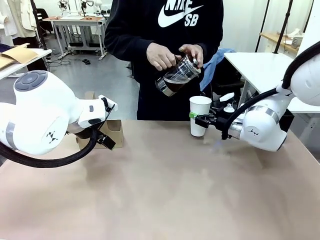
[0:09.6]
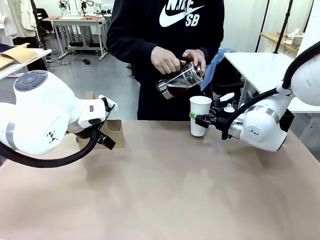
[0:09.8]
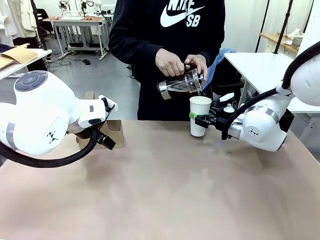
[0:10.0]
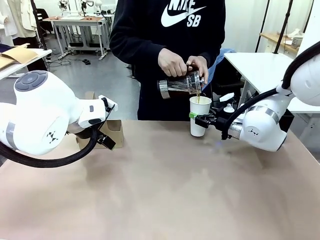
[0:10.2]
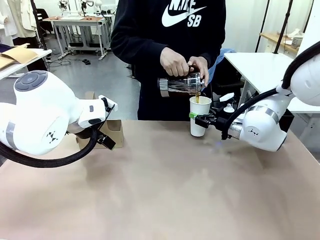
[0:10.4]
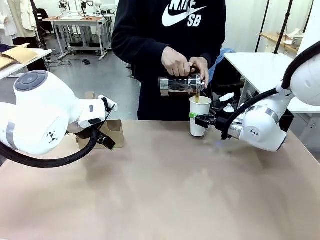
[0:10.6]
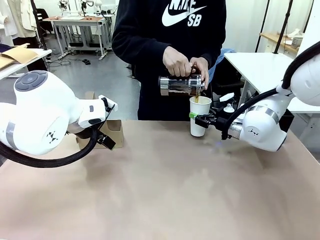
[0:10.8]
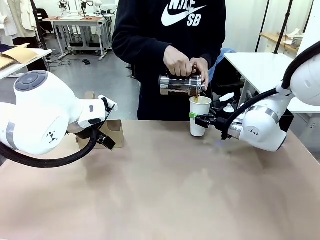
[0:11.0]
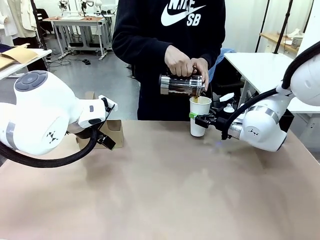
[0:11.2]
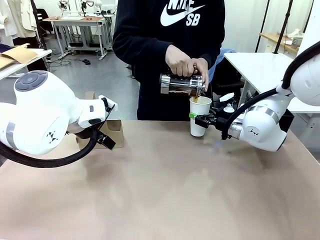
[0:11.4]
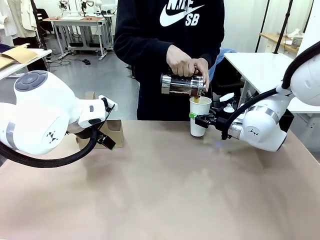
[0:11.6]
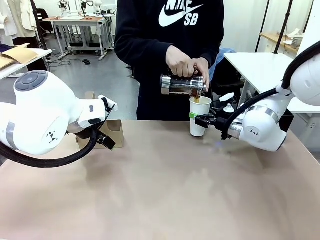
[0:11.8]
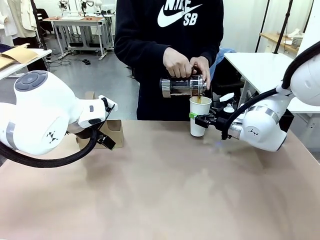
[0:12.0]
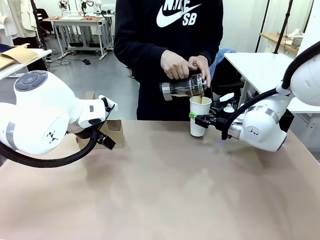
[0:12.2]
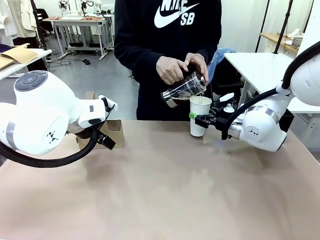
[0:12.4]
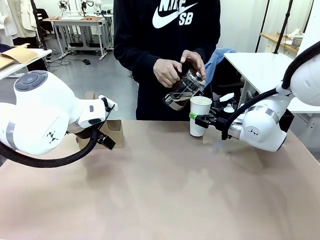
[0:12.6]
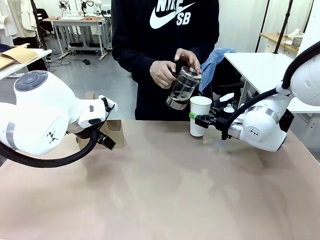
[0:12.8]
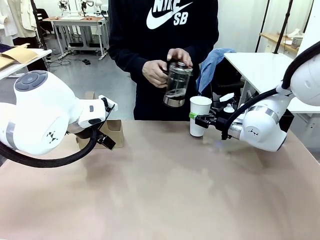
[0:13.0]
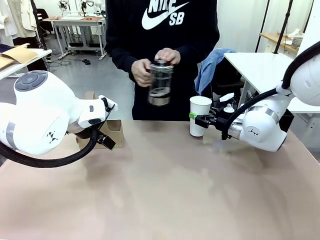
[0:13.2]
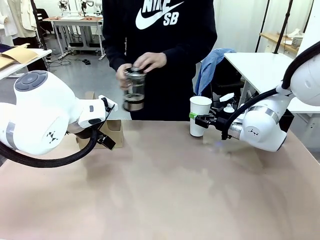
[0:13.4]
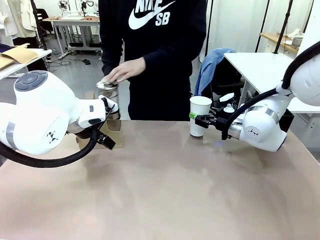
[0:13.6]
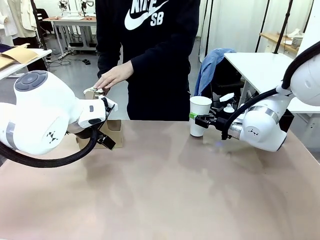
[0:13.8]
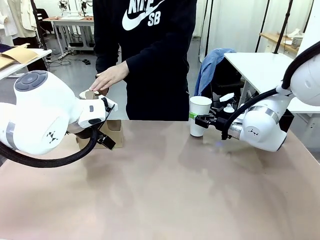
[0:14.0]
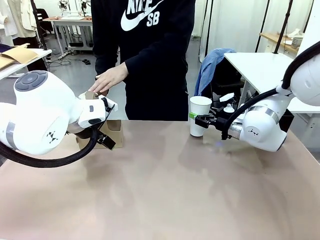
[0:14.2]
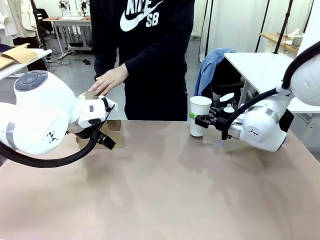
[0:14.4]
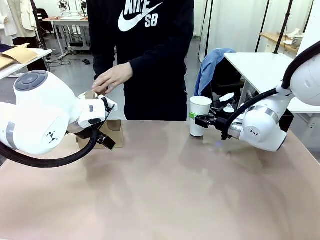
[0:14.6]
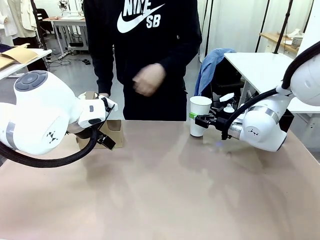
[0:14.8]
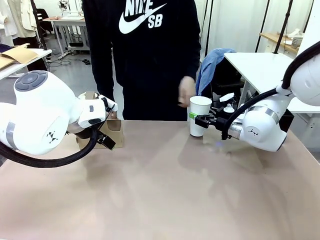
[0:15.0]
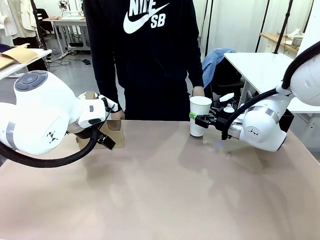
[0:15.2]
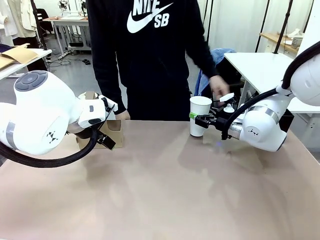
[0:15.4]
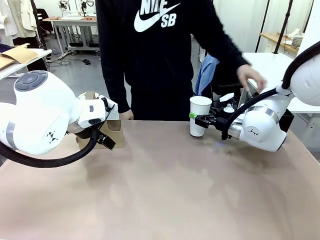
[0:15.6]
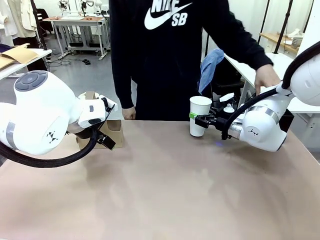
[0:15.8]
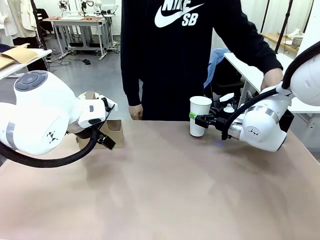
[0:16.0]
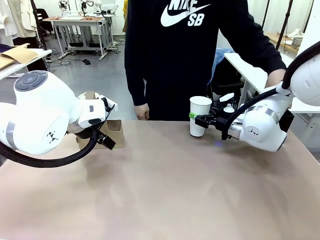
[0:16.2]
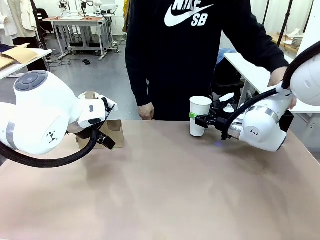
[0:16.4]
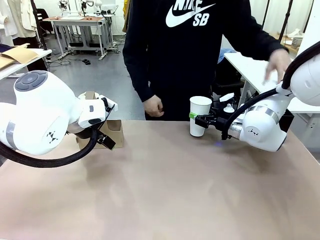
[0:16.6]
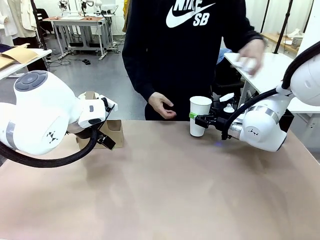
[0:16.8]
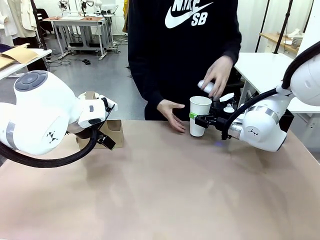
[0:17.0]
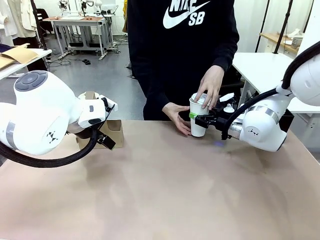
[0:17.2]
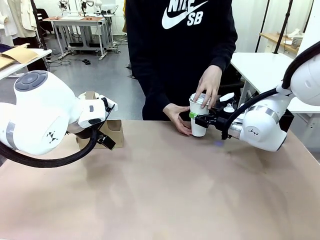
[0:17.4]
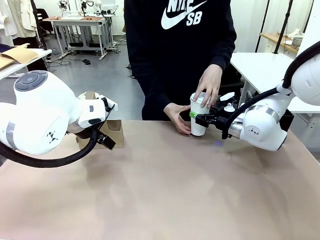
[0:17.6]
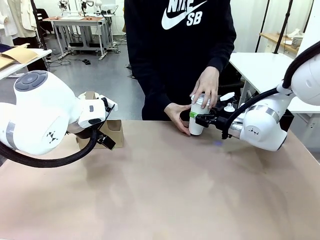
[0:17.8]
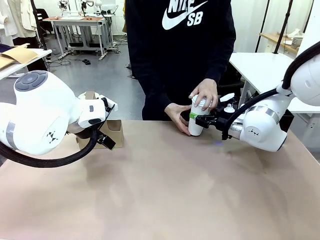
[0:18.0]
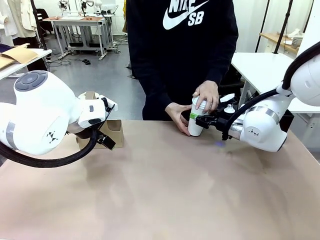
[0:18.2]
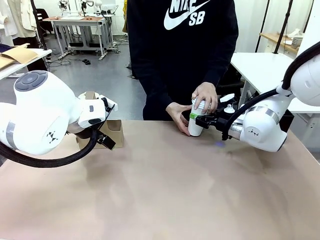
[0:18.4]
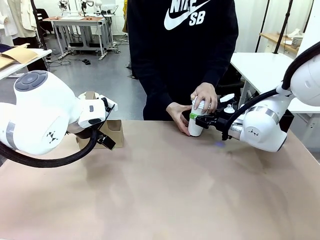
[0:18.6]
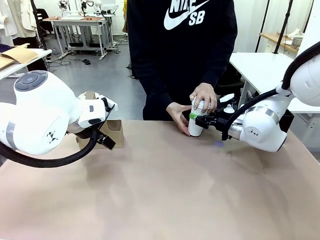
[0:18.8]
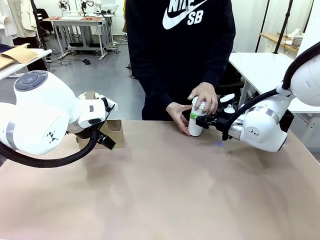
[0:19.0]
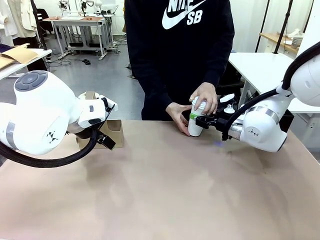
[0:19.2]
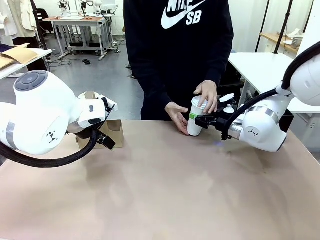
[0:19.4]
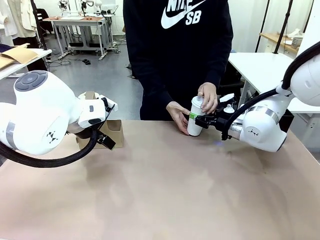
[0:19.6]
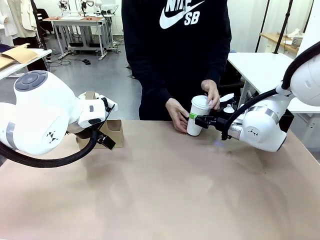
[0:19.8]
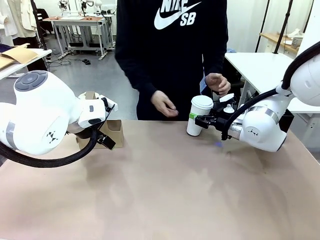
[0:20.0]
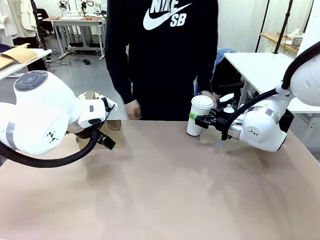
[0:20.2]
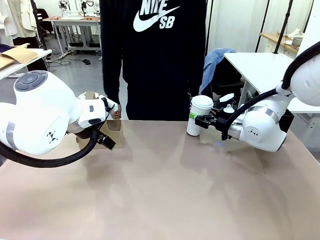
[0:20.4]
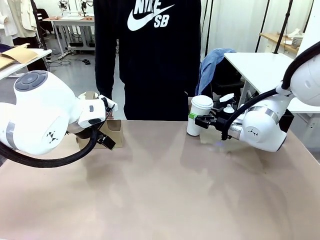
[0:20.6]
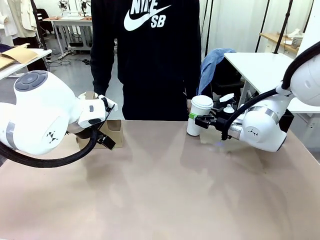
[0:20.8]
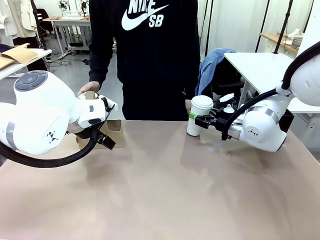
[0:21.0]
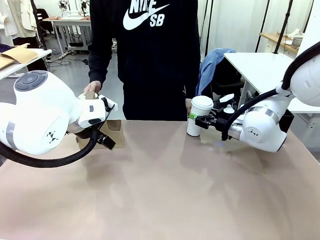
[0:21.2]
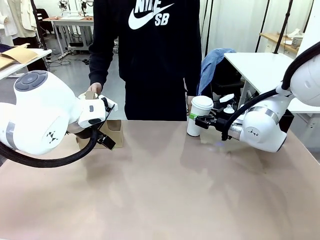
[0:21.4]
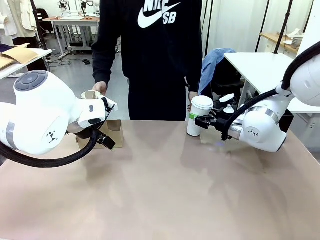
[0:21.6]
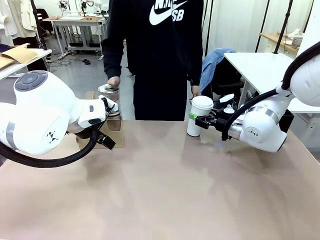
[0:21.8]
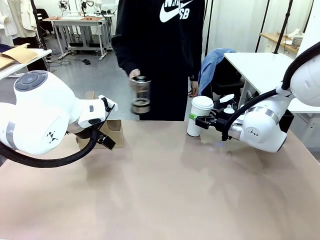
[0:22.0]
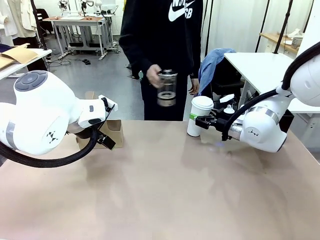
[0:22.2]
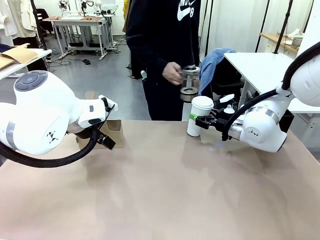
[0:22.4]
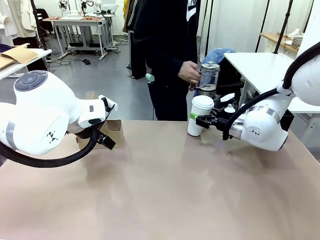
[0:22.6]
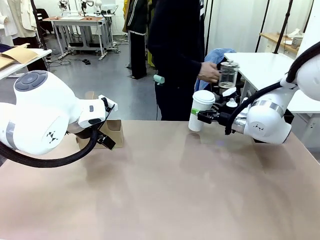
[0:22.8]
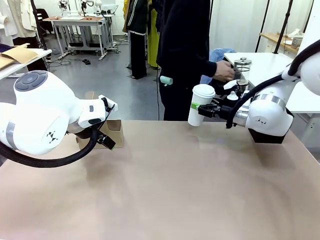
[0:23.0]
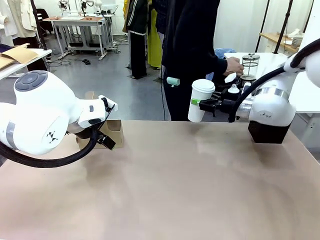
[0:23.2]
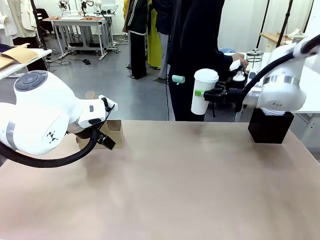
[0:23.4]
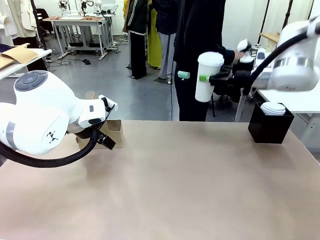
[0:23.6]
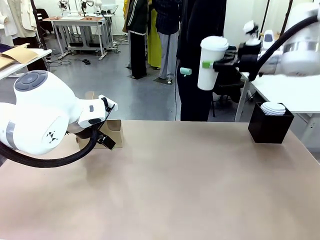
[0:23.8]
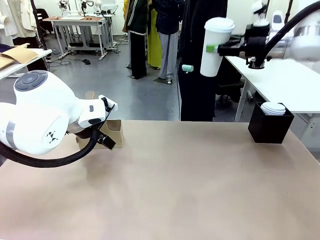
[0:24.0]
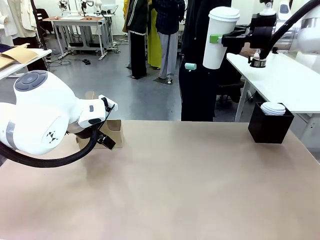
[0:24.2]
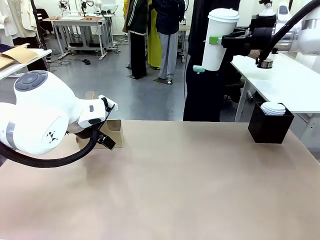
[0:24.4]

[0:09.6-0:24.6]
Task: Pour a drink into a cup and package it in a carrier.
Robot: When a person places the Paper Cup Lid on the 600 ml Paper Cup , lift the 600 ml Paper Cup.
Person: Pour the drink from the Filter Brewing into the 600 ml Paper Cup. Place a Paper Cup Lid on the 600 ml Paper Cup.

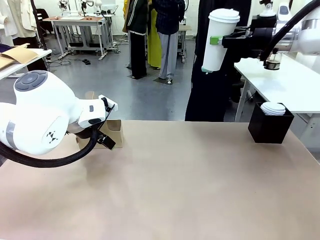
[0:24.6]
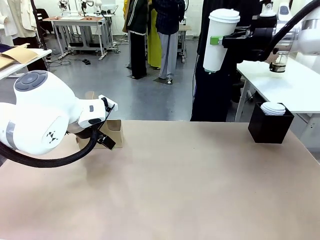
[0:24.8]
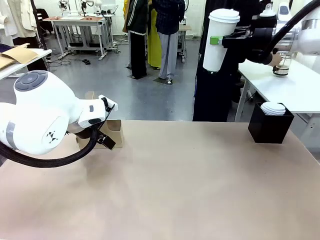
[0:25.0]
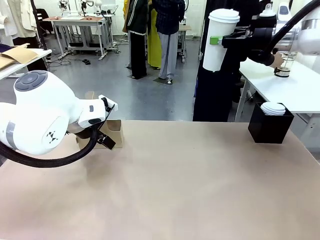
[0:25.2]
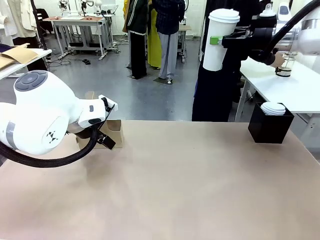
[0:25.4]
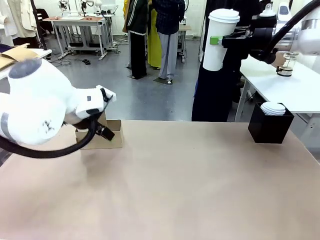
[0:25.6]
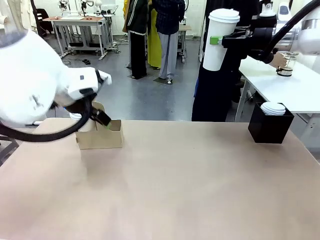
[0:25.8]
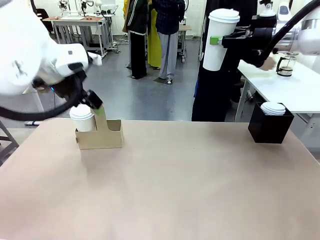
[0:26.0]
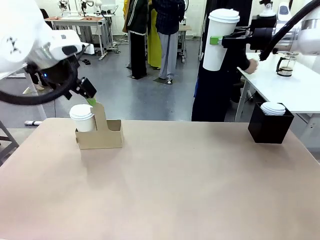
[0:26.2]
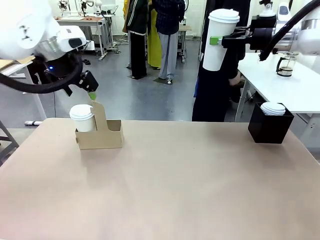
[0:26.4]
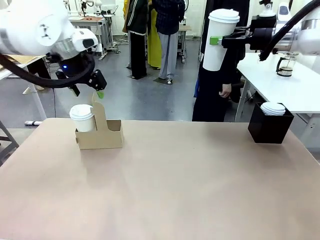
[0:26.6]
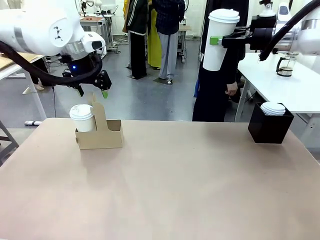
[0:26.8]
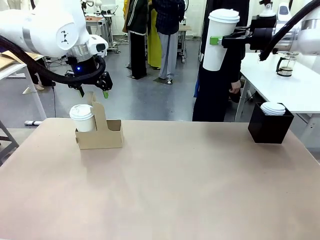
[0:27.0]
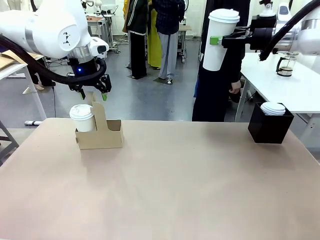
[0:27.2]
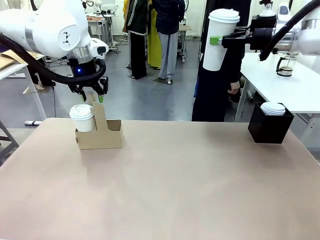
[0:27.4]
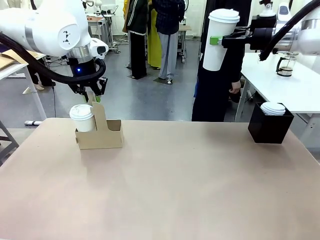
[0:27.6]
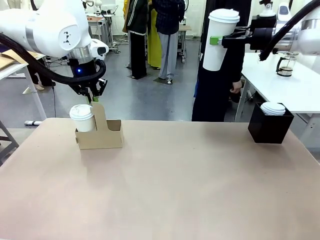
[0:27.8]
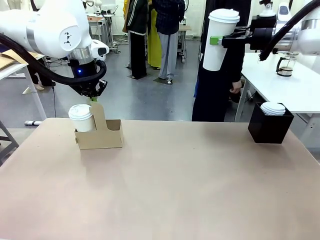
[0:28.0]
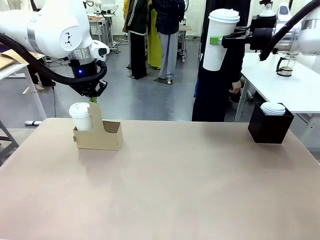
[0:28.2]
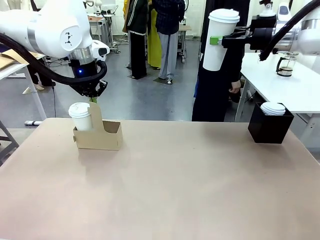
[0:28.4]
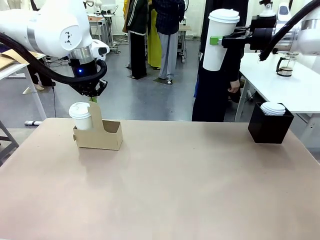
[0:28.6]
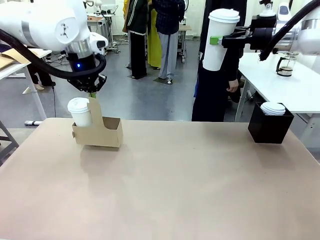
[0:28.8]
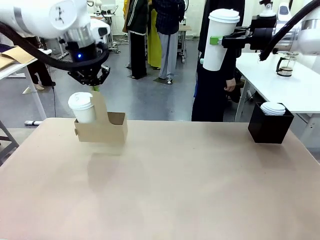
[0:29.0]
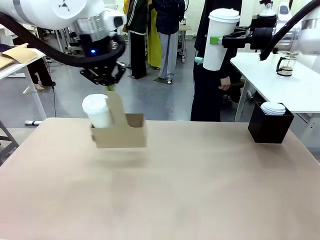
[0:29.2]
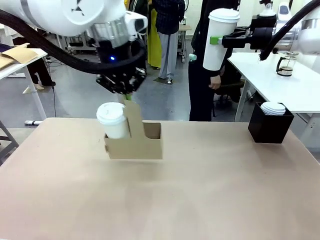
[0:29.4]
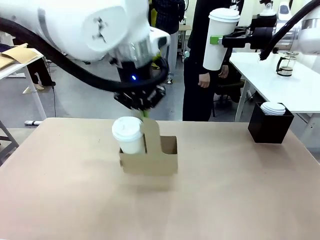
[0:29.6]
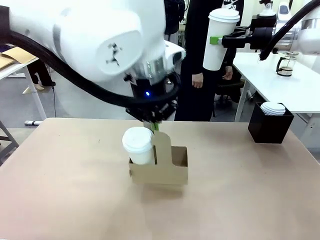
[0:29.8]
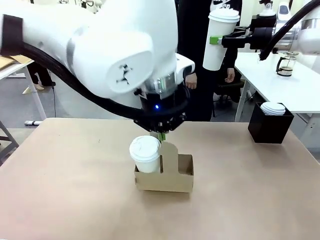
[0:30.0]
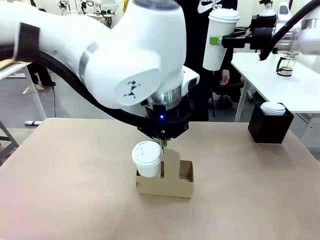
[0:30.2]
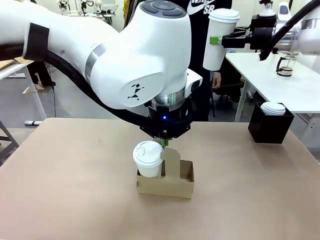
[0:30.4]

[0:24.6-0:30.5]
Robot: Position the Cup Carrier in the center of the table.
